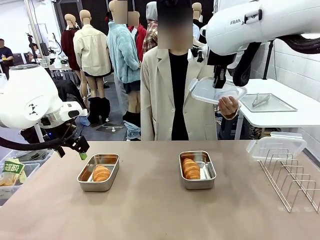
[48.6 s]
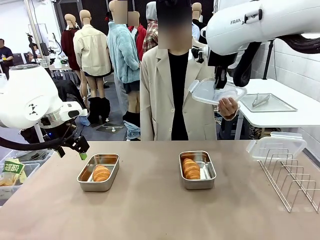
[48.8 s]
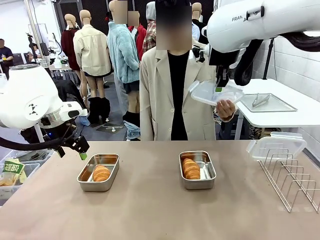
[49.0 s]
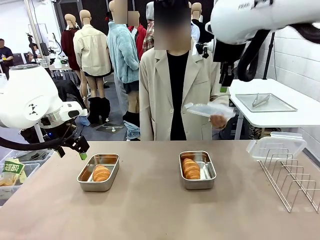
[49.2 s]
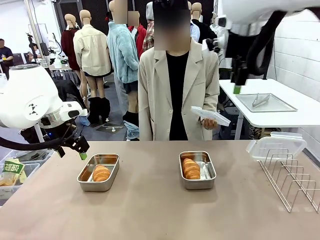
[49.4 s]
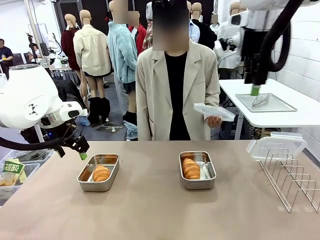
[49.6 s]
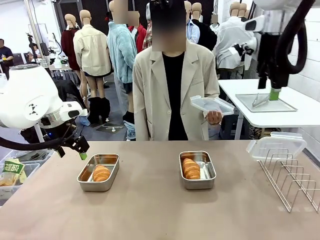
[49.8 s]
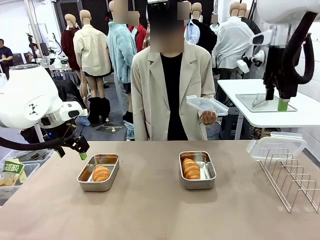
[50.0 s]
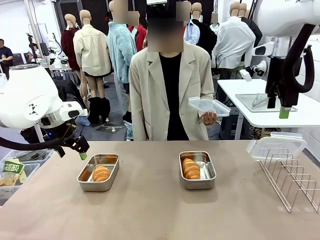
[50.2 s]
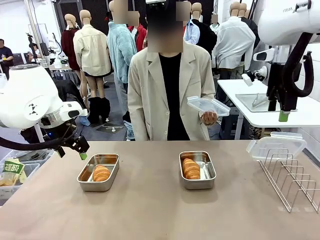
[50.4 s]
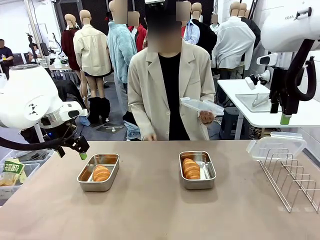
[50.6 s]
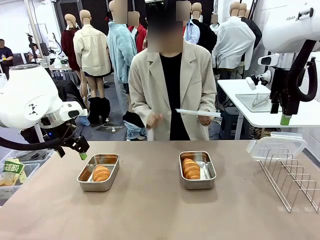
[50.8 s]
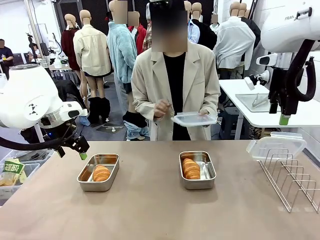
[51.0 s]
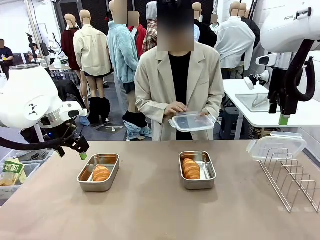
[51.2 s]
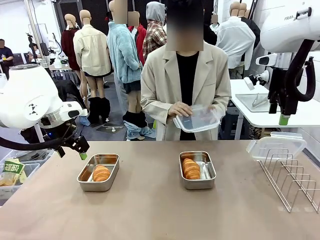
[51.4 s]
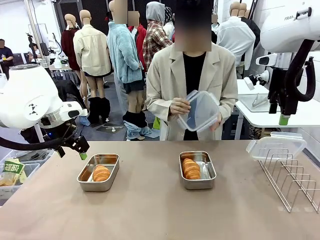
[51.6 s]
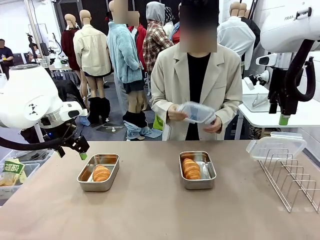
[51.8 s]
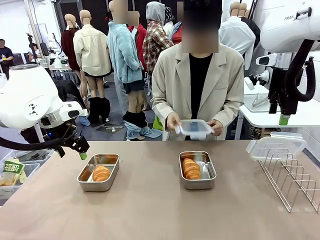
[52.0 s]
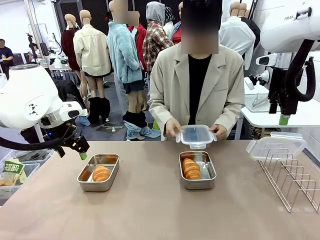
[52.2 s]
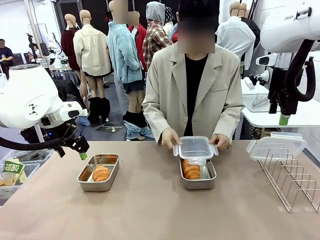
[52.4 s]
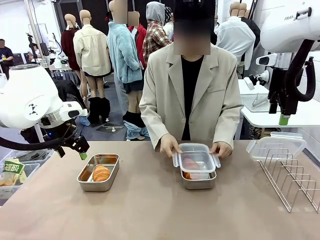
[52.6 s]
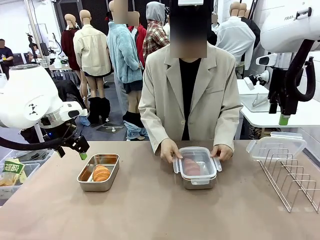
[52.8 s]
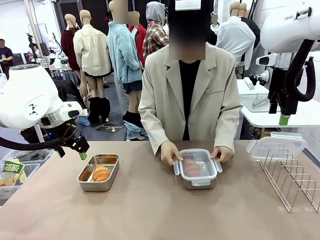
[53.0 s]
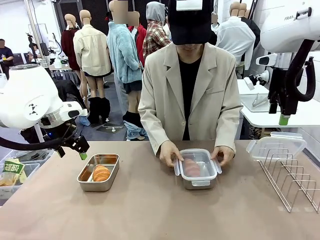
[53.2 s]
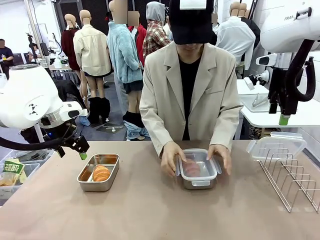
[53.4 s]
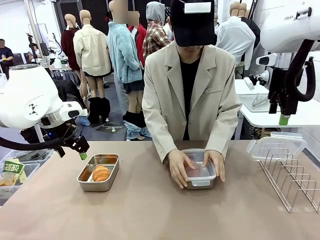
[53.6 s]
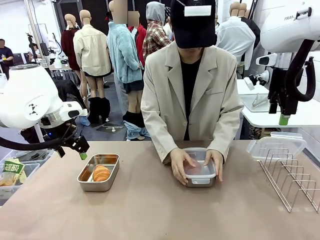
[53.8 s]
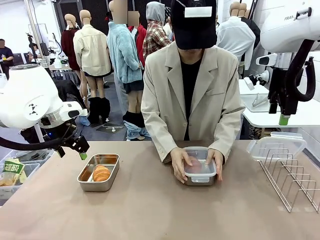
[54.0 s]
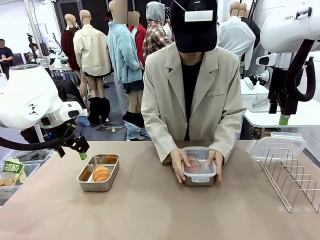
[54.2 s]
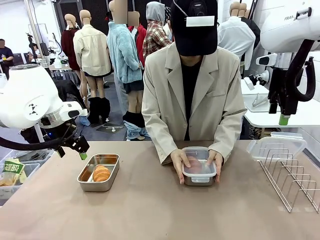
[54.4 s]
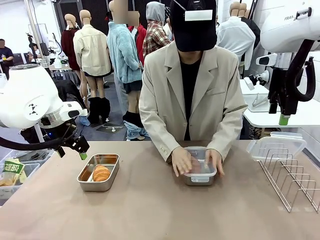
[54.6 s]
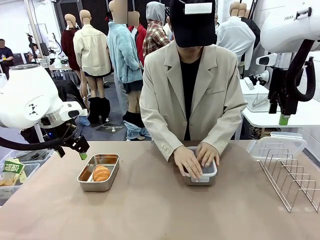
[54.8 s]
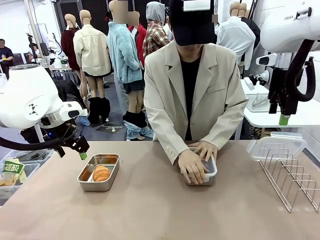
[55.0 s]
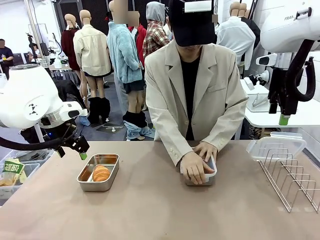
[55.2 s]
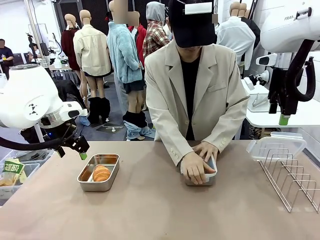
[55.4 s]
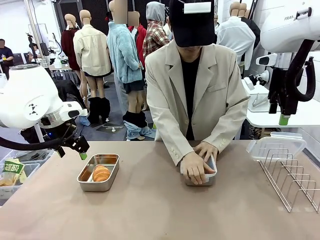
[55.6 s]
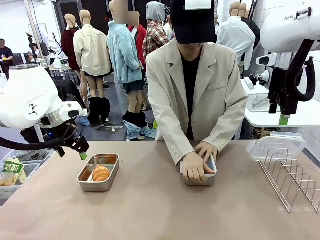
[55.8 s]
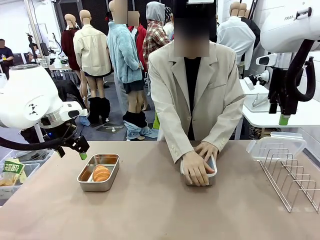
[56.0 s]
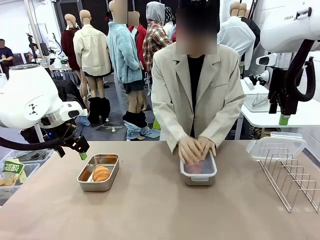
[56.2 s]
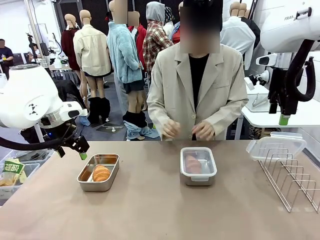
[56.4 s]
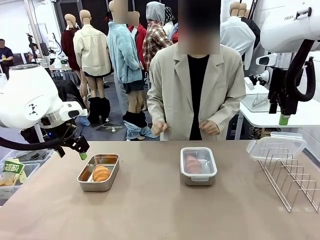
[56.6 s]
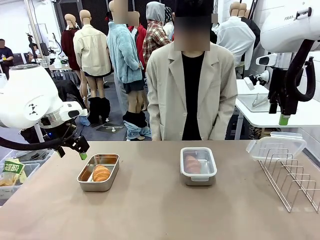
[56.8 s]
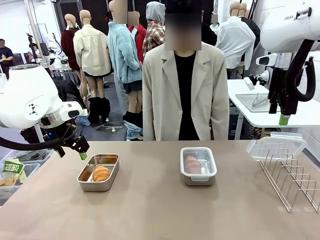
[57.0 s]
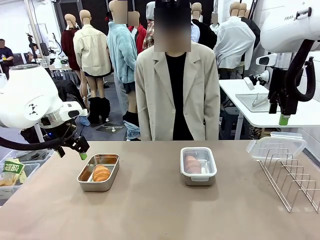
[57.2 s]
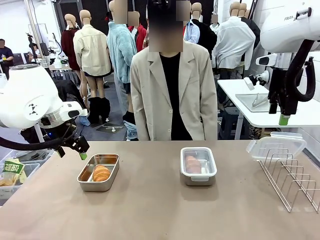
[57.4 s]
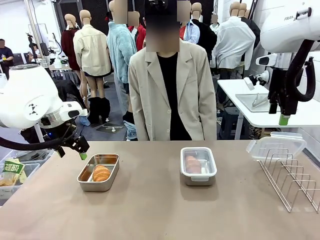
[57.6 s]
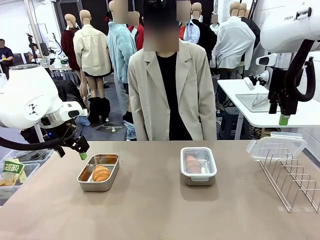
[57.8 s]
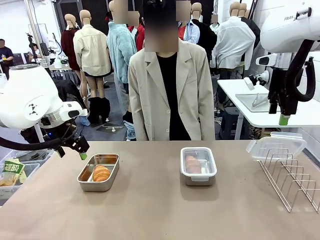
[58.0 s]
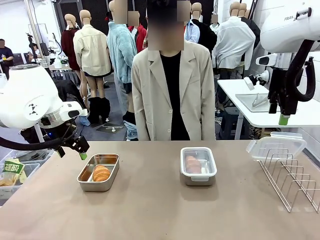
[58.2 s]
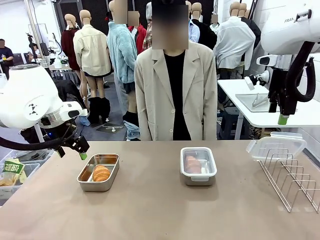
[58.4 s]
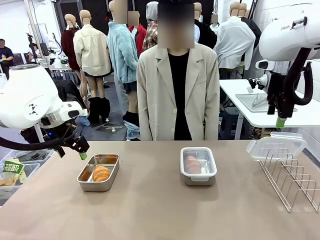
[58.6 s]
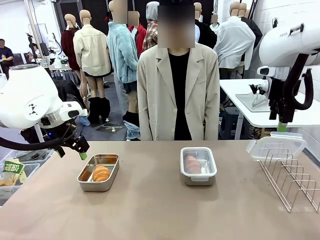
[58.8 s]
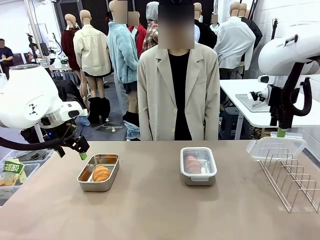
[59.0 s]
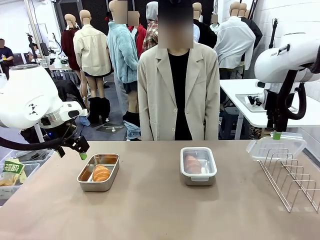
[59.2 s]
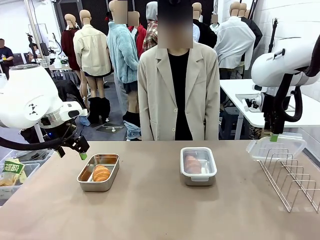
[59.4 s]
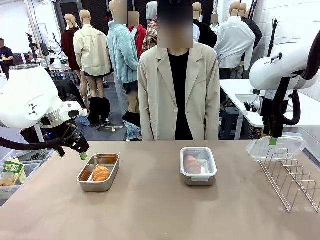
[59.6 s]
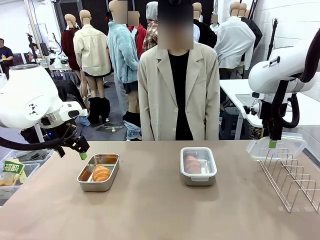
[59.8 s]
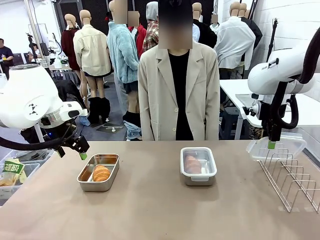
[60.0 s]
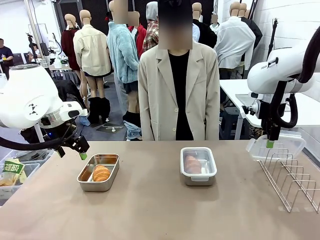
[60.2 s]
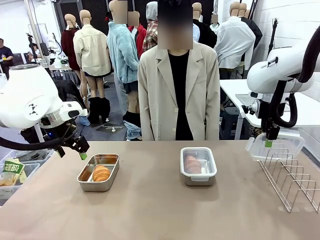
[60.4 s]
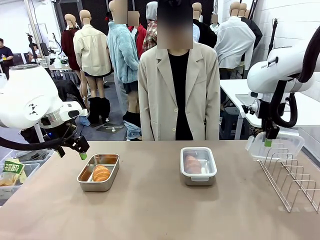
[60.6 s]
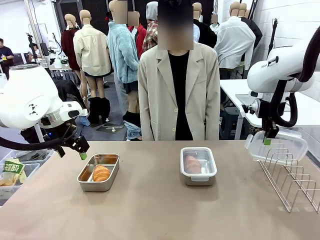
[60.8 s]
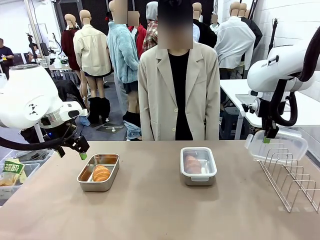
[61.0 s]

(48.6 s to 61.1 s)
Task: Place the bread in airtight containers.
Robot: Pick up one Airtight Container lid and hand it to the human.
Person: Close Airtight Container with a handed Airtight Container lid.

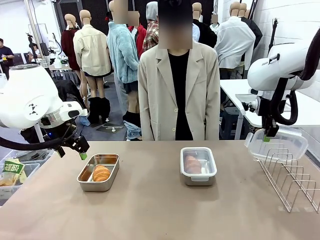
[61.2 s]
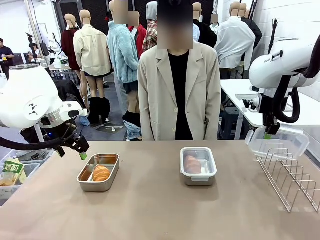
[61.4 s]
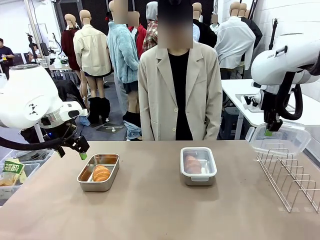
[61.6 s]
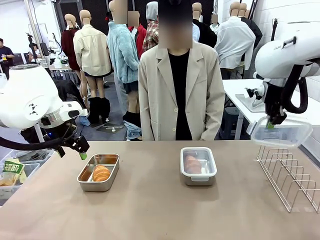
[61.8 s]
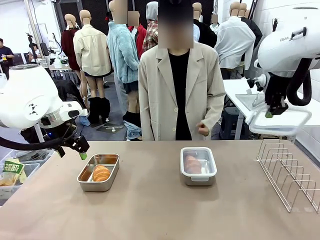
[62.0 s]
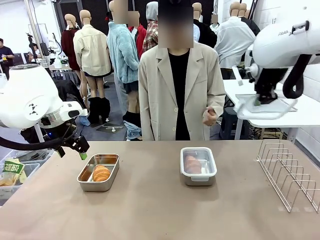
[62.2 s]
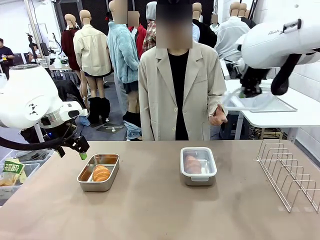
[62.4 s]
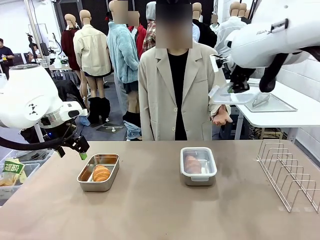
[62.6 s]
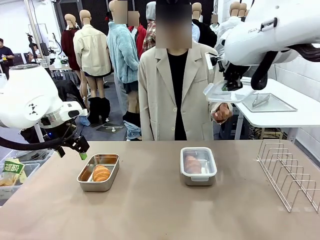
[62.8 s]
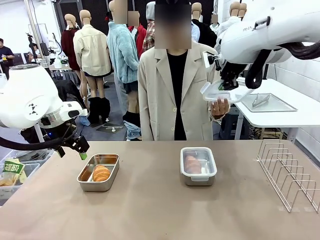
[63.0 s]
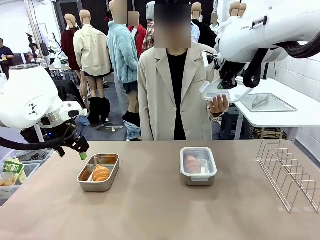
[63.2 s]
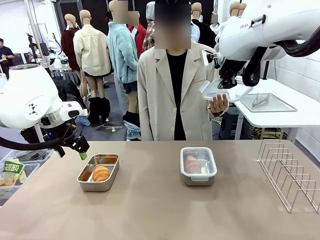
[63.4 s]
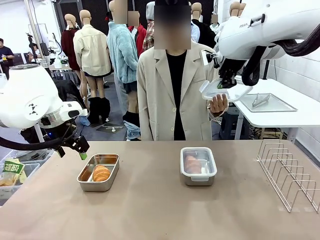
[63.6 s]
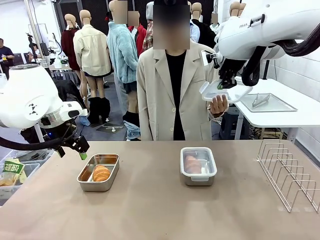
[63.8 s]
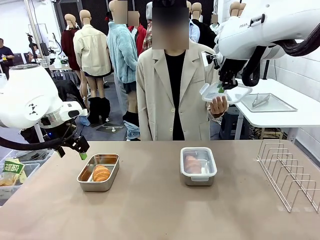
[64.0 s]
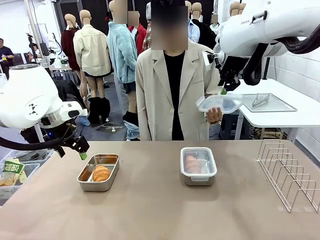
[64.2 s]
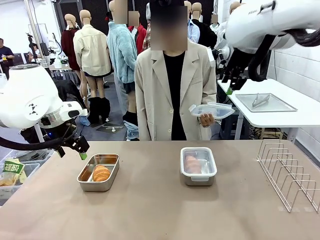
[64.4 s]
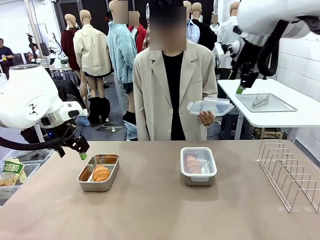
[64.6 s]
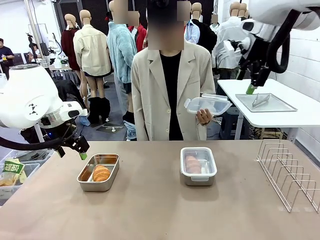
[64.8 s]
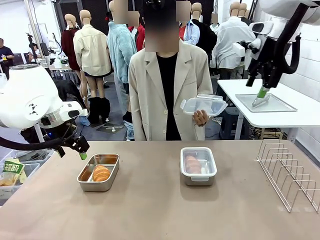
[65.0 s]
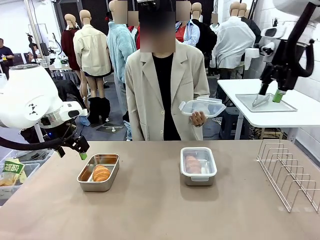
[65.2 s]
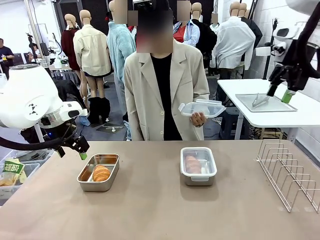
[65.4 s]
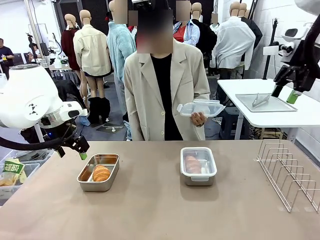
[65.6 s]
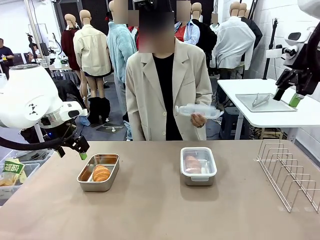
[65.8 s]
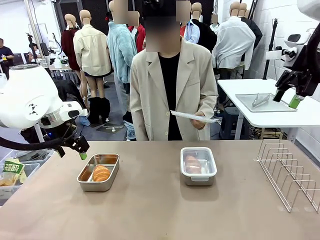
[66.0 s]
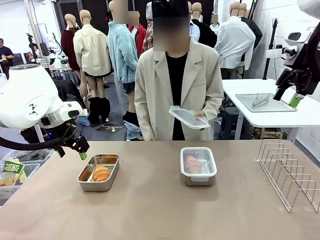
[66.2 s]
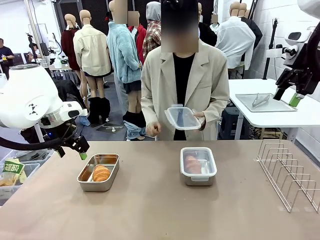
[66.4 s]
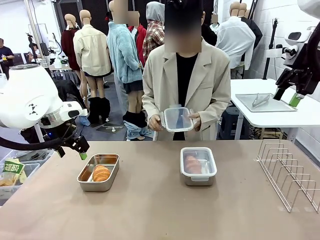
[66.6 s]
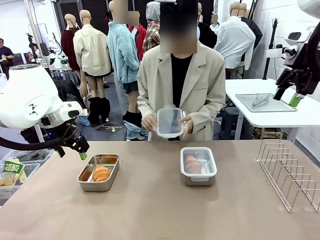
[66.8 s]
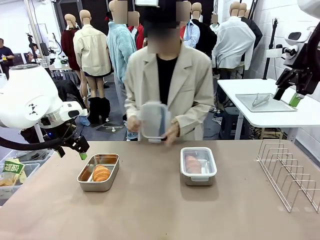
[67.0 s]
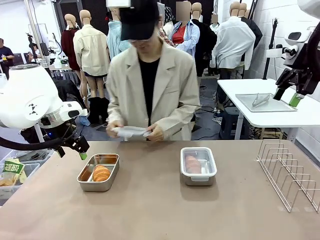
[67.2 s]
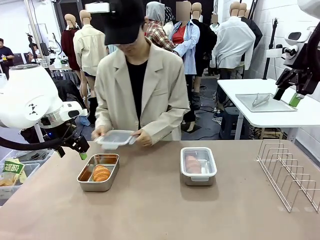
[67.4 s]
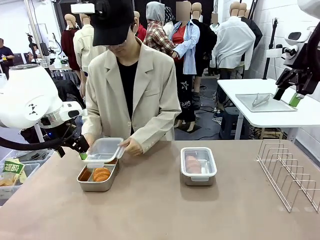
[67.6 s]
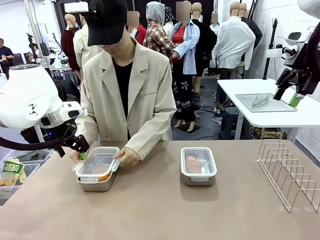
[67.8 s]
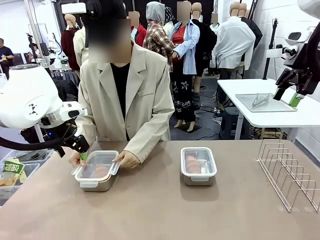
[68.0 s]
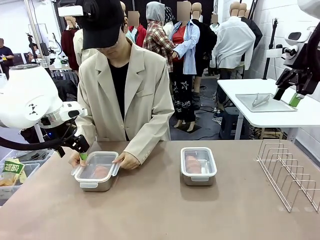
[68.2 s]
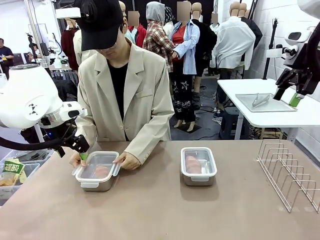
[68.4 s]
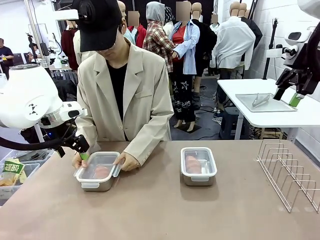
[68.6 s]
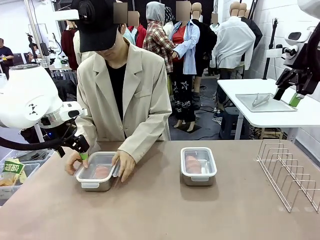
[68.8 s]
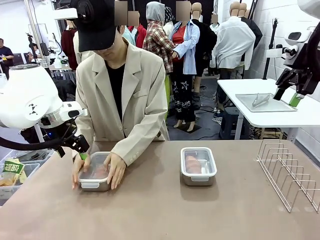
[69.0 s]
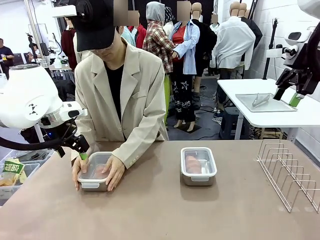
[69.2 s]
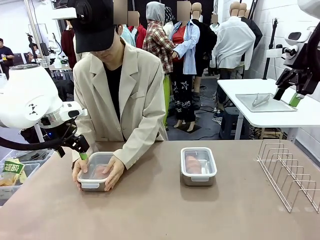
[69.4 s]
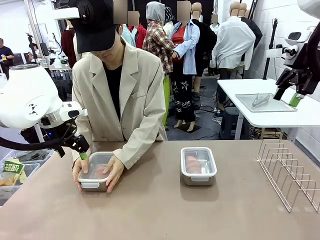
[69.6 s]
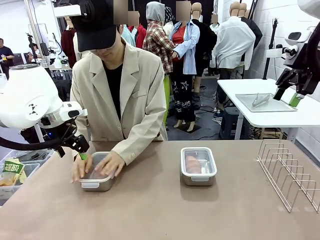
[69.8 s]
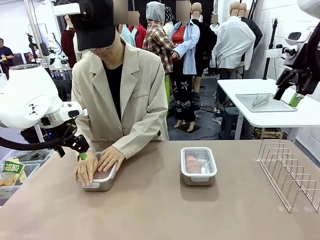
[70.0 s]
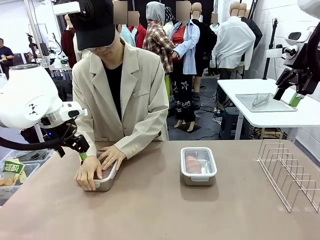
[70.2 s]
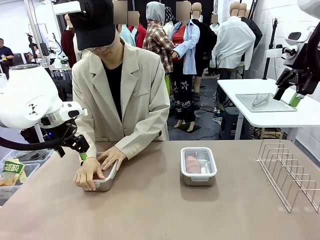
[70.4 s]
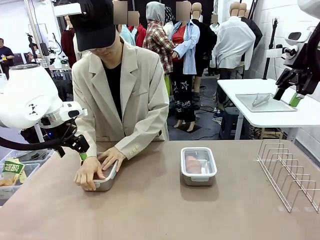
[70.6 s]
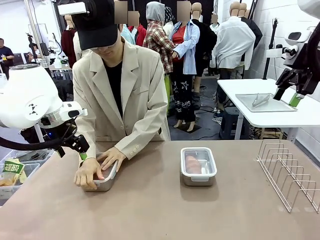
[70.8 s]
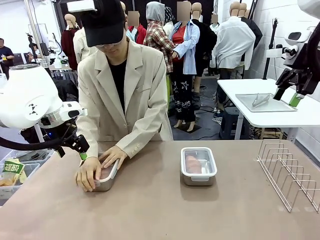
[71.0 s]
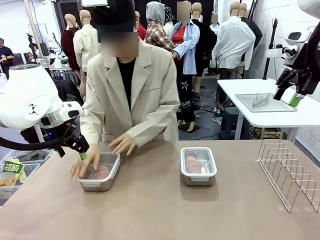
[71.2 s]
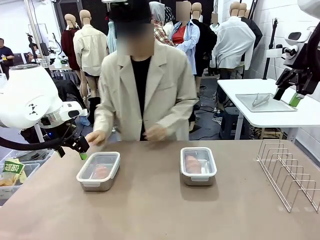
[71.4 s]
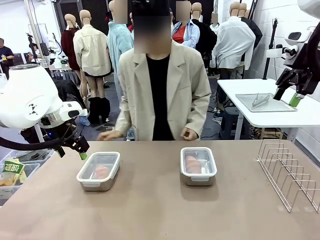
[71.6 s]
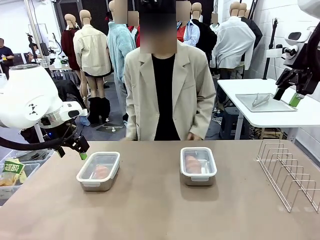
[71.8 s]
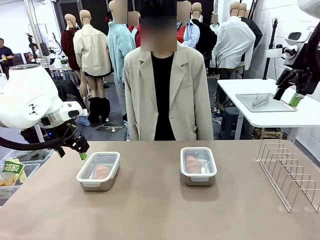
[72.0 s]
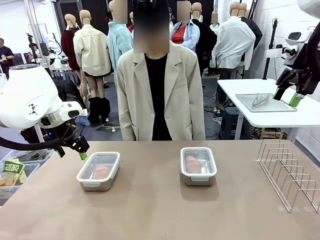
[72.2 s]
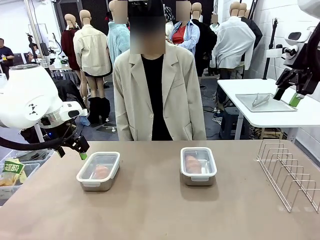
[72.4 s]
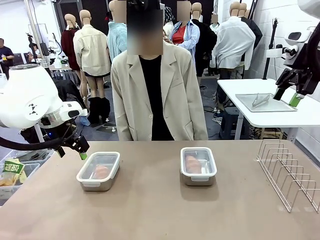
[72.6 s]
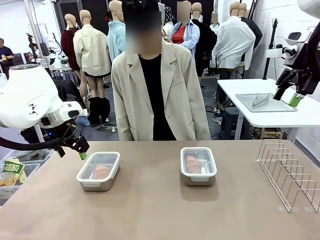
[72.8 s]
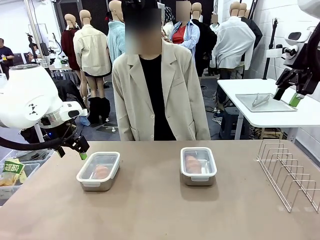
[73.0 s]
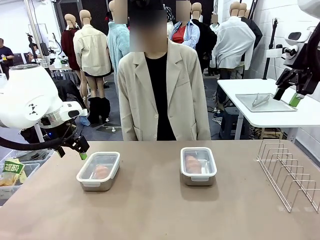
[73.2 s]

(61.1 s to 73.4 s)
Robot: Release when the human grabs the Airtight Container lid.
Person: Grip Airtight Container lid that robot is handing. Close Airtight Container with a handed Airtight Container lid.
